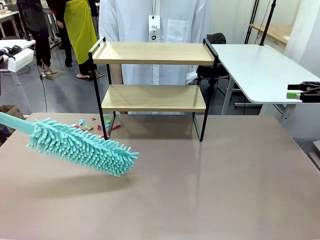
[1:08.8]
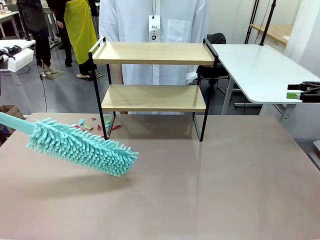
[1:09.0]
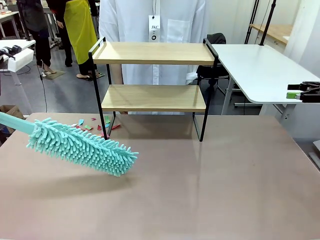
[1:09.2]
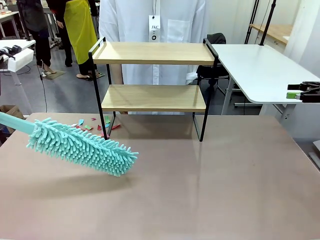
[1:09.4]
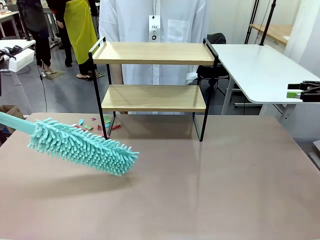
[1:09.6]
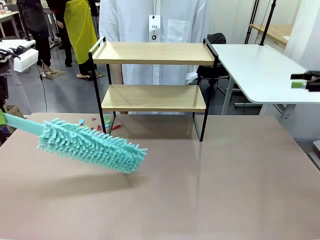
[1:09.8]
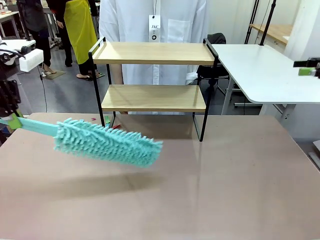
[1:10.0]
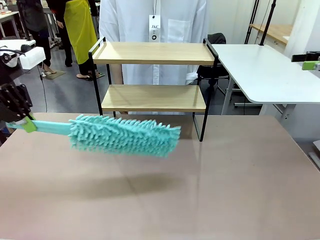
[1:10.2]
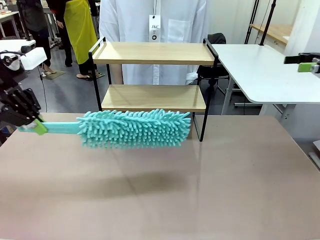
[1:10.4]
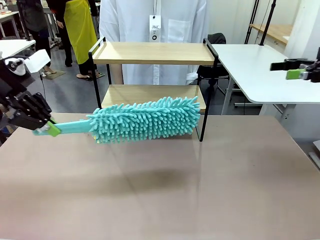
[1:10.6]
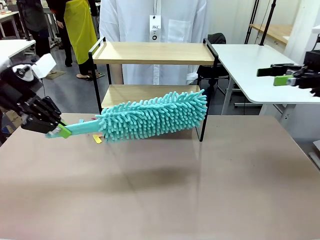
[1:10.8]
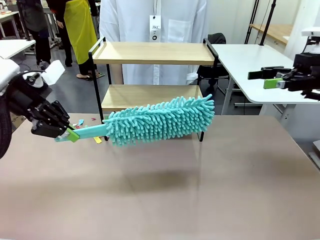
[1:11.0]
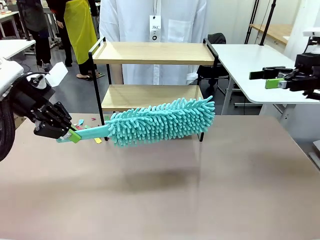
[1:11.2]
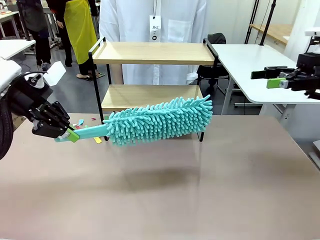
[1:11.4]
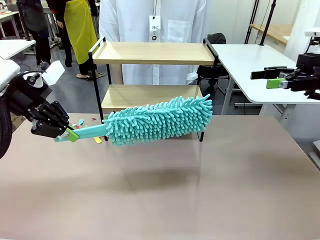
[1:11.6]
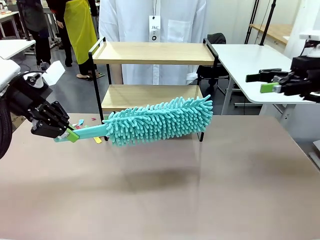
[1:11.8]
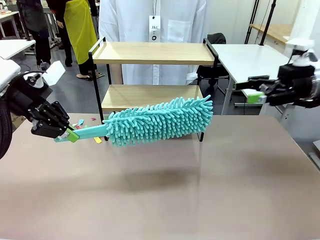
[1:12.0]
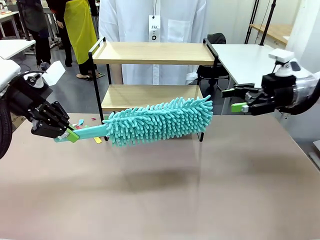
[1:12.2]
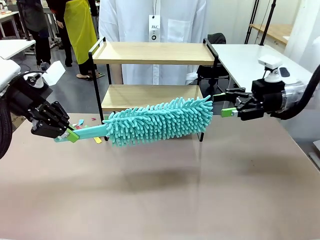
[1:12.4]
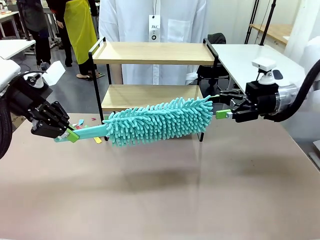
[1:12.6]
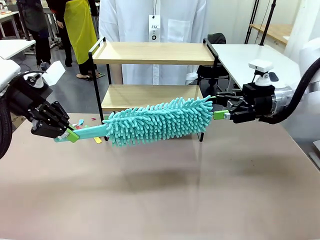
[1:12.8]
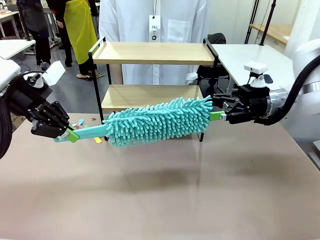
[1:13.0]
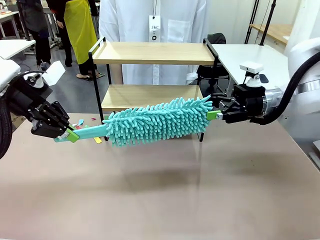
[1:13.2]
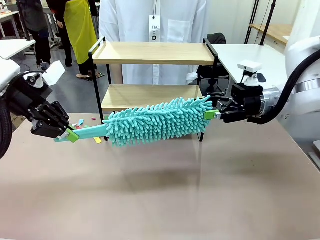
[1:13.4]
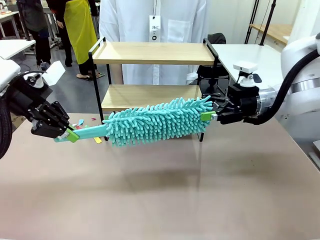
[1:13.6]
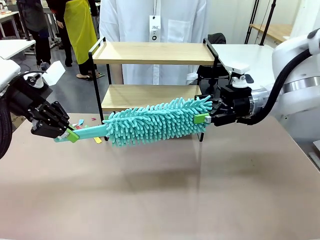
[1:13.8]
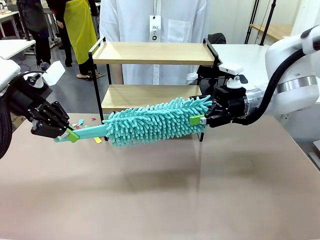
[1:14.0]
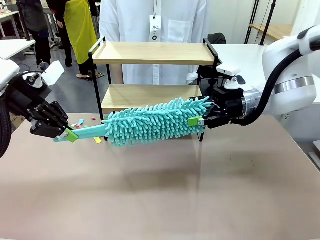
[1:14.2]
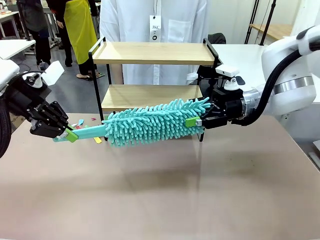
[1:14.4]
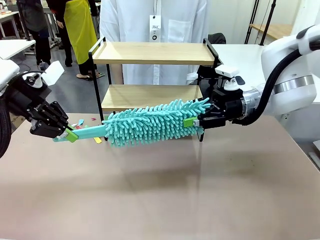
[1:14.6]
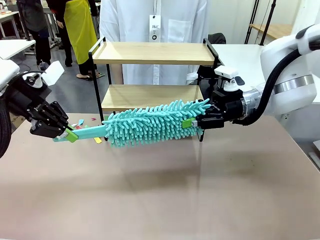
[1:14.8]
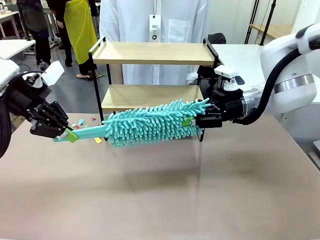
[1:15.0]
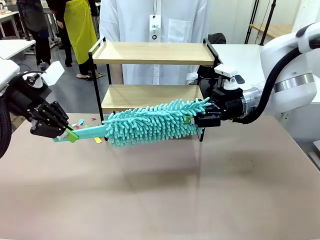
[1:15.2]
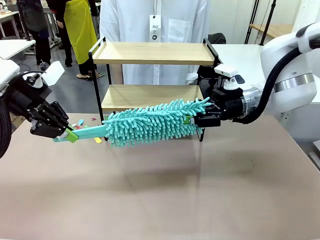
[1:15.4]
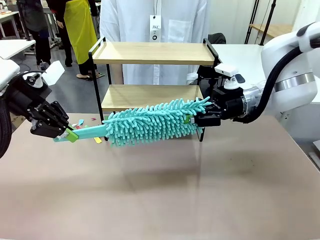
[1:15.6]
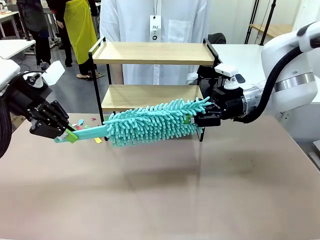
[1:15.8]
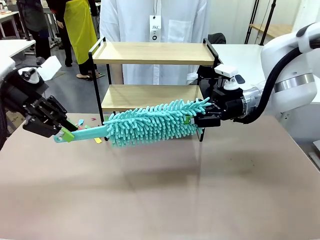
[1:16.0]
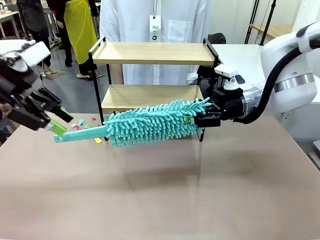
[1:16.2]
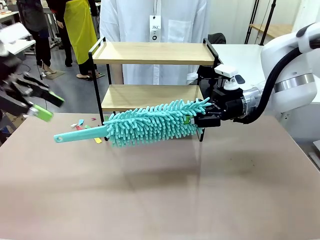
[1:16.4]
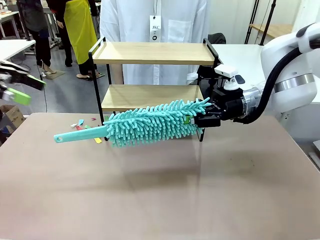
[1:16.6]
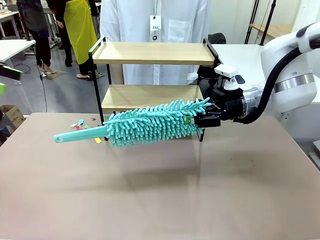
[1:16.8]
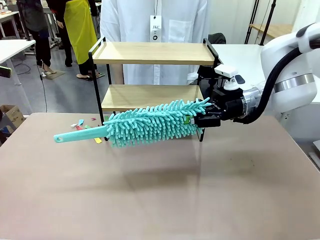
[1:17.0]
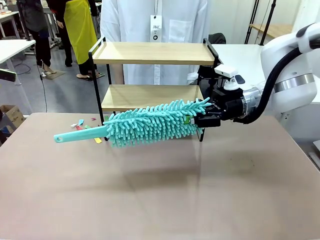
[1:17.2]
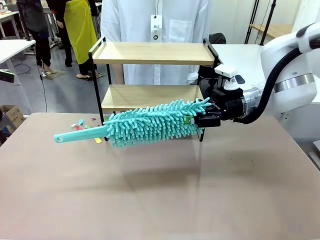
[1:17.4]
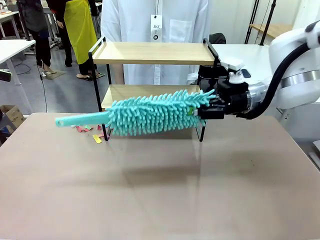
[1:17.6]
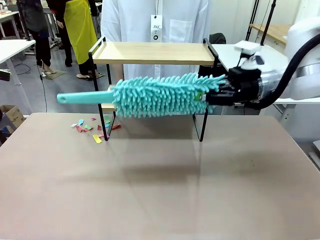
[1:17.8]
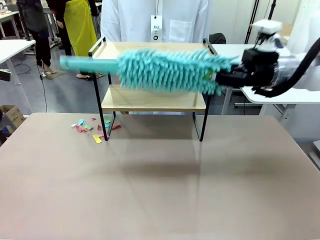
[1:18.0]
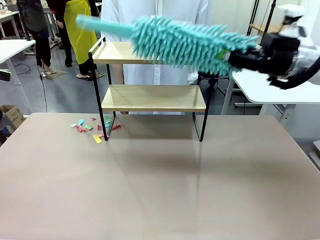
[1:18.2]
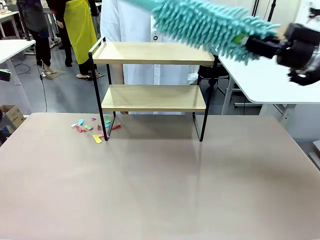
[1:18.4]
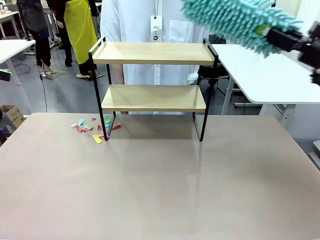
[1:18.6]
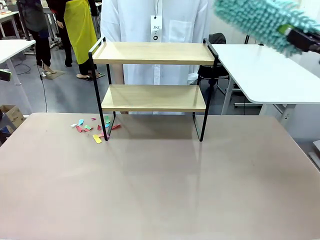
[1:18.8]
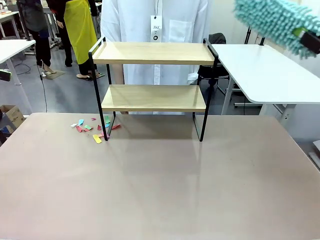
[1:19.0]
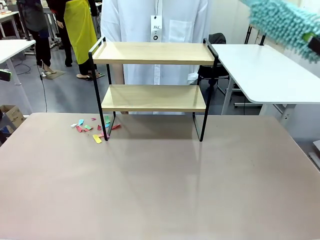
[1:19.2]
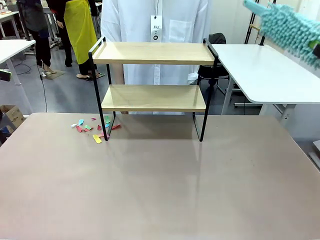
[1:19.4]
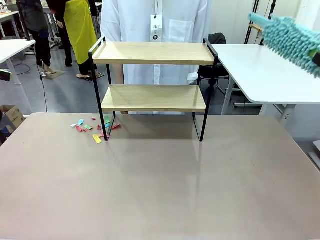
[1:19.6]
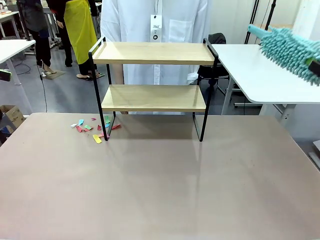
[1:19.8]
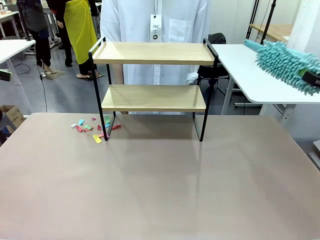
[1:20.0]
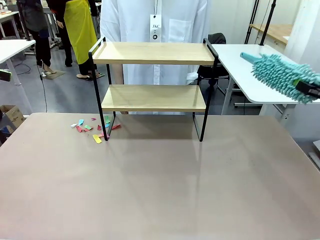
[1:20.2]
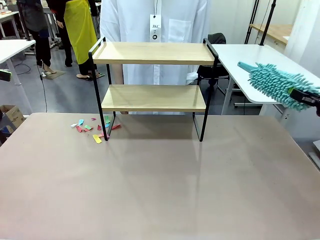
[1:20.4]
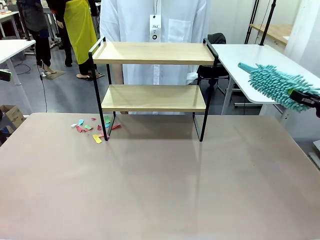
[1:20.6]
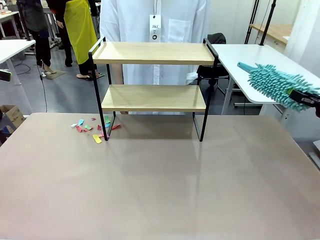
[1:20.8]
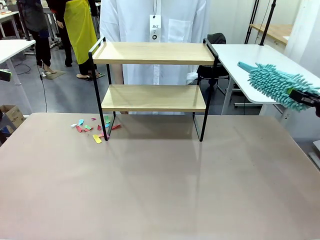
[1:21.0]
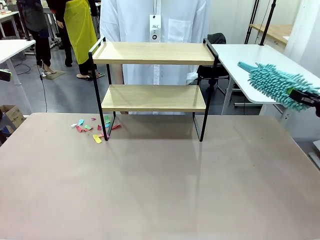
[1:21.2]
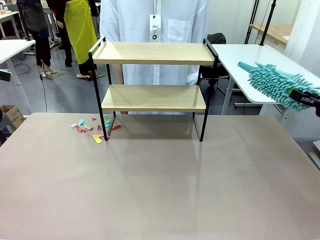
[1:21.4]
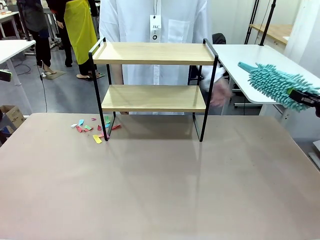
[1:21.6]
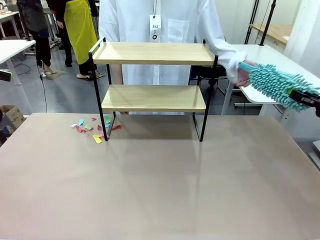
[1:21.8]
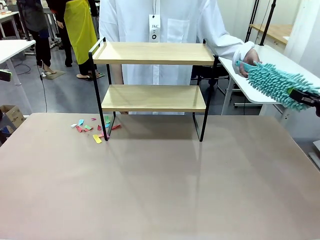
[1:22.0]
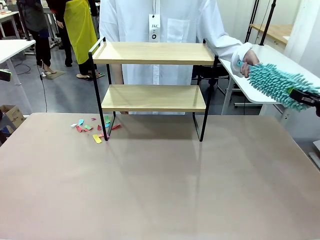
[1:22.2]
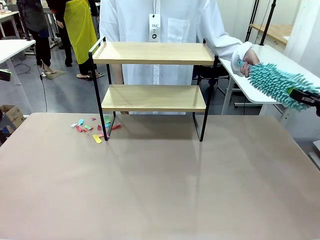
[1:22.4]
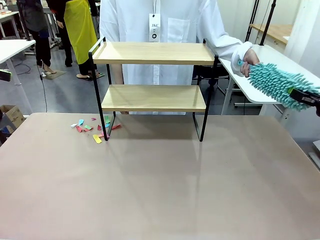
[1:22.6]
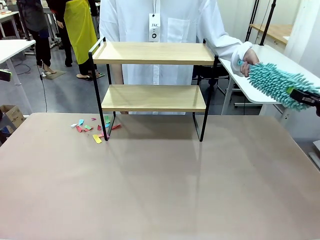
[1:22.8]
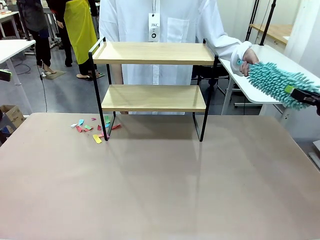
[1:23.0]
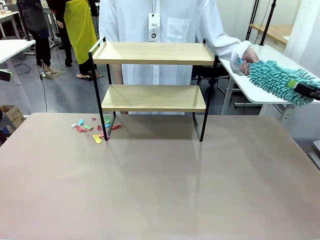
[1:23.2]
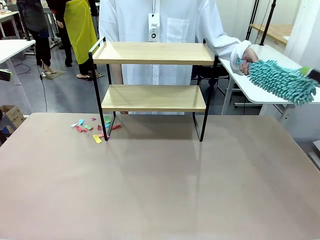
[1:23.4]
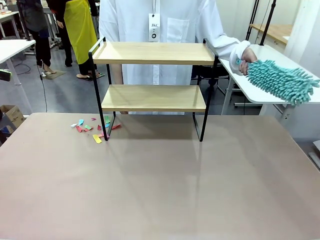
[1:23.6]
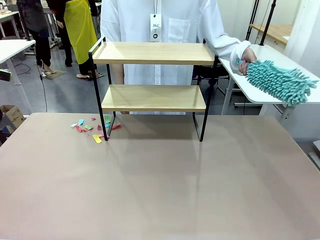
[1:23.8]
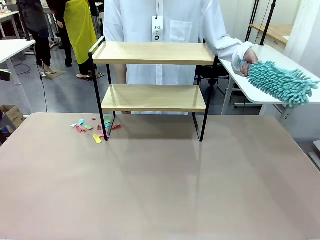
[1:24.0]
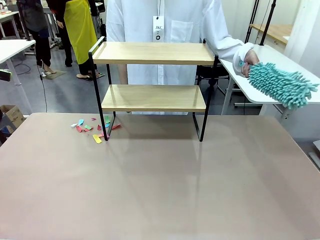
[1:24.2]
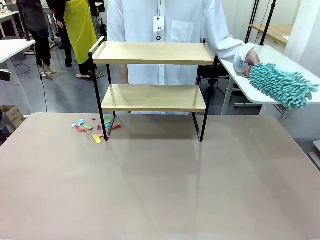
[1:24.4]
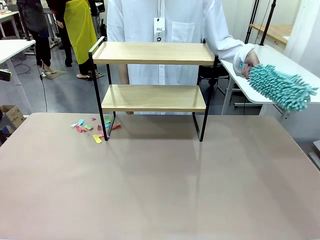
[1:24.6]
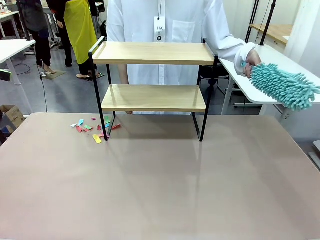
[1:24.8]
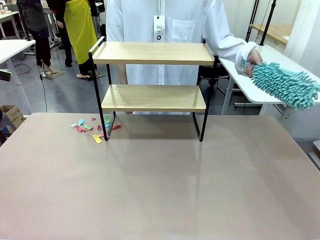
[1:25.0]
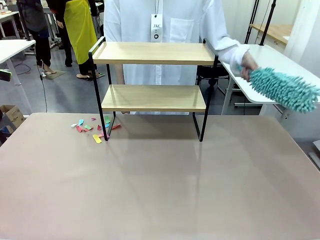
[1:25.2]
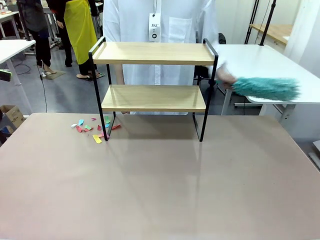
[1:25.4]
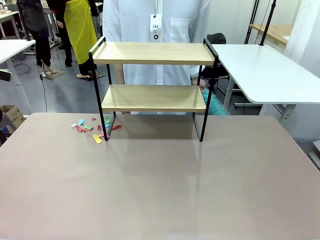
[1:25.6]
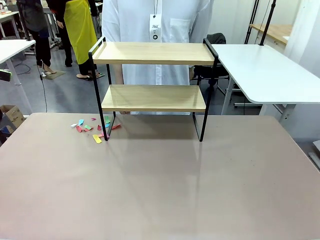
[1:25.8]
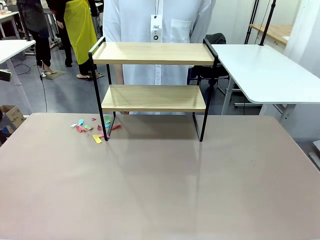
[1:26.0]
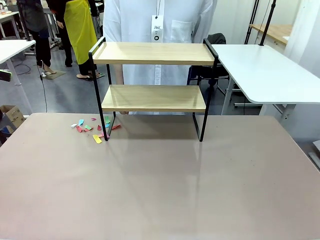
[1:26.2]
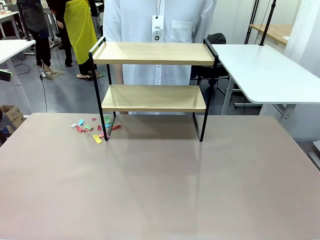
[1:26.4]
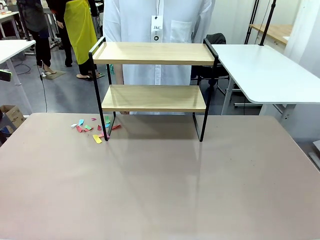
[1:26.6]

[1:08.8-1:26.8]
Task: Clean the shelf.
Robot: Hand the Duster back to the human.
Person: Receive the Duster from the robot.
